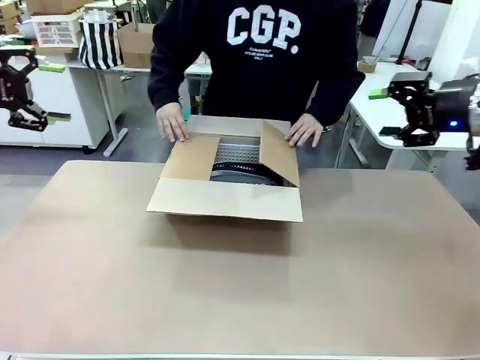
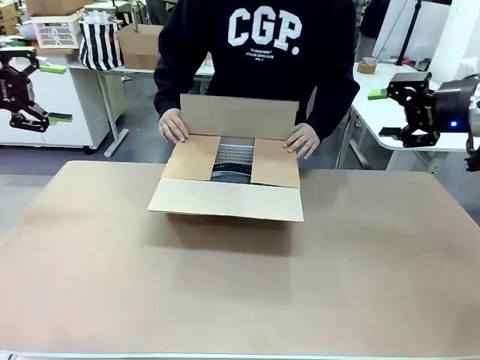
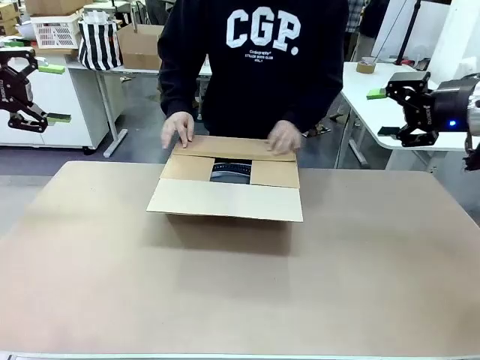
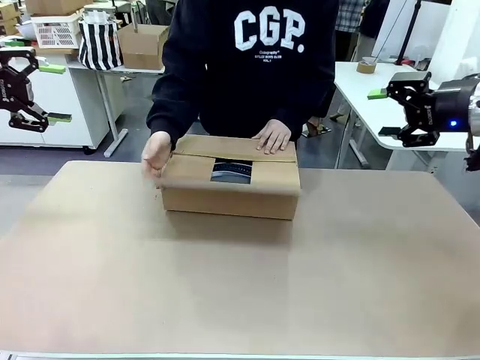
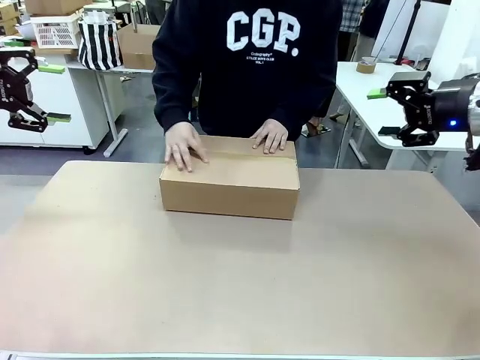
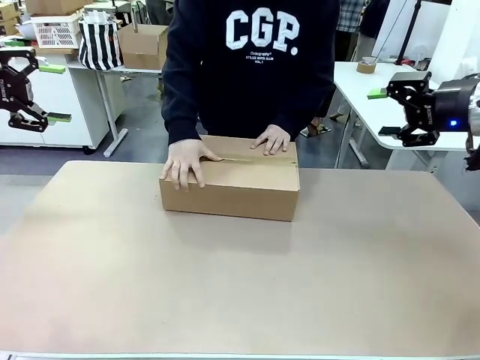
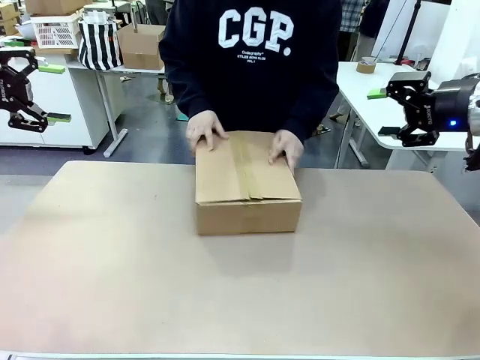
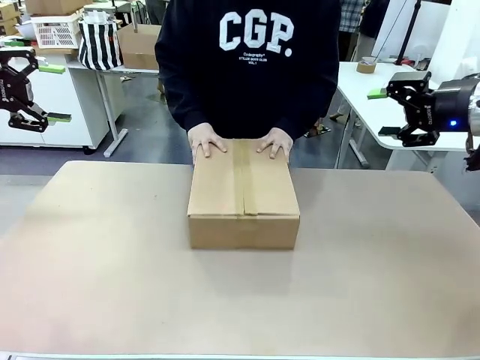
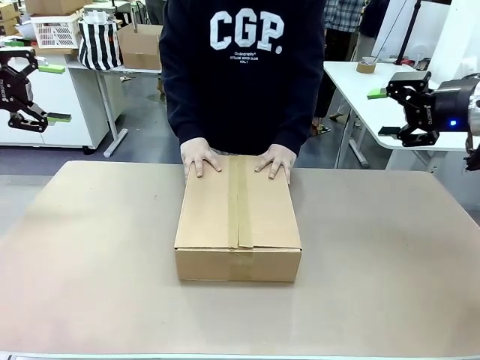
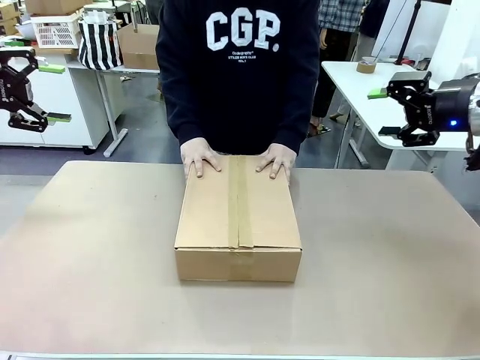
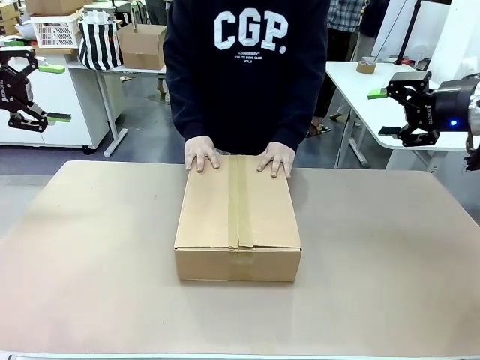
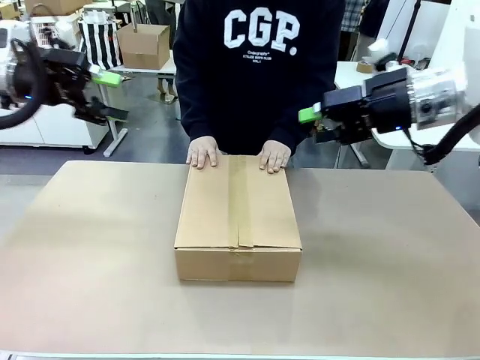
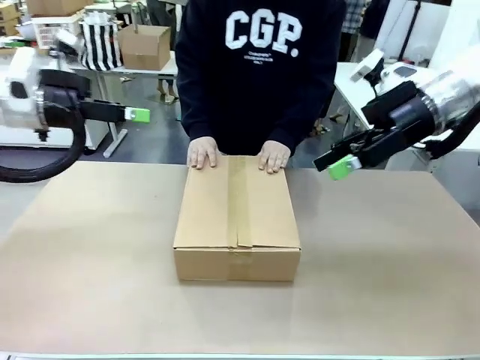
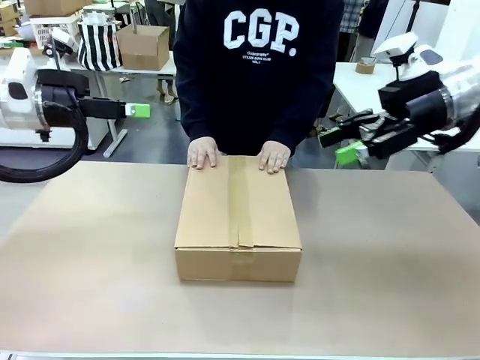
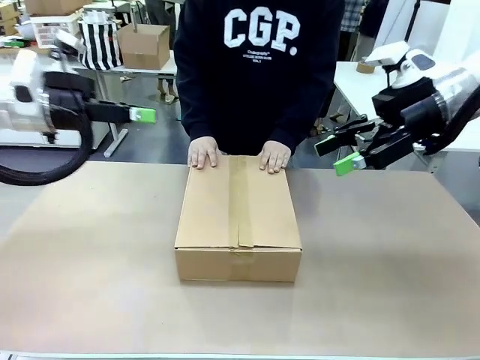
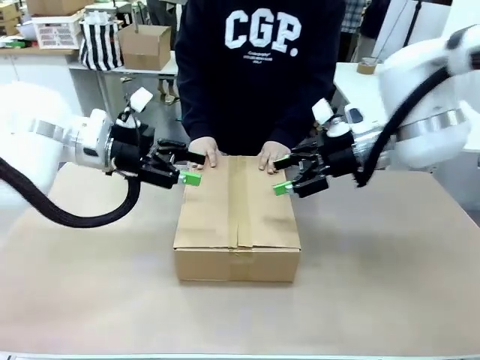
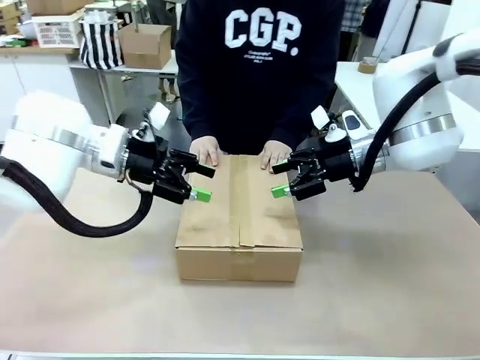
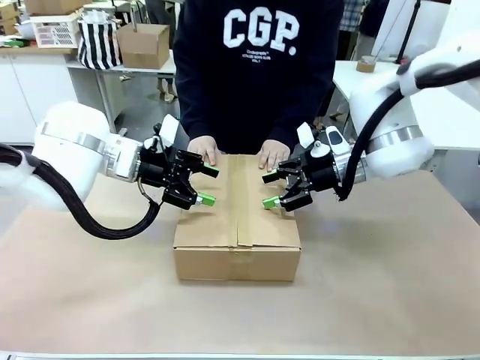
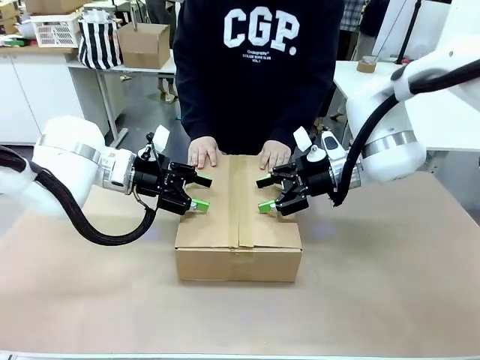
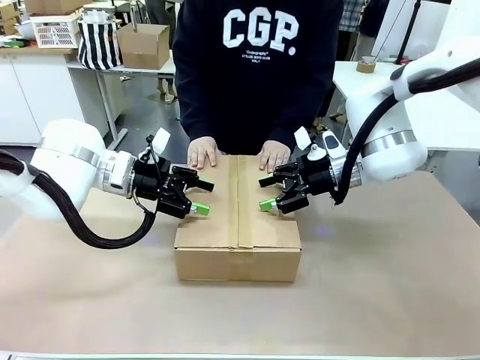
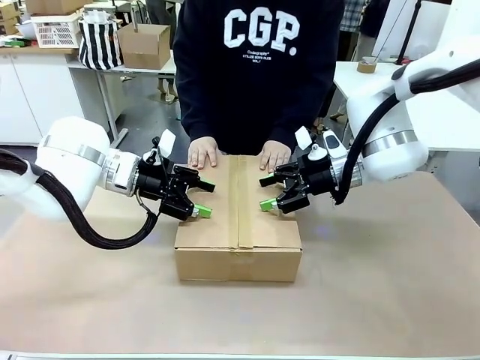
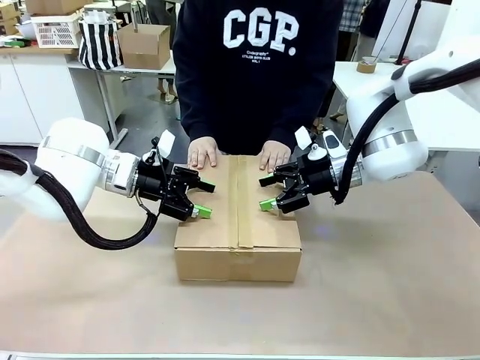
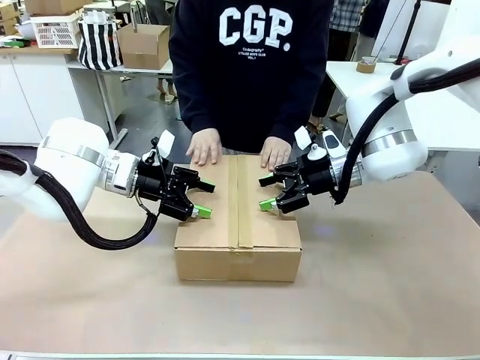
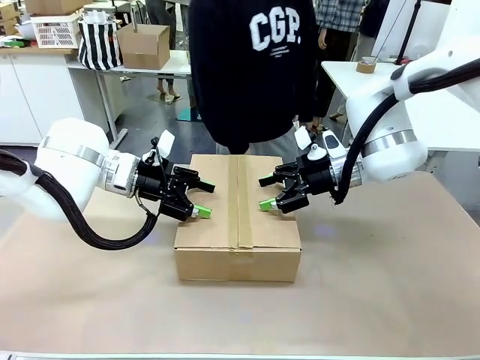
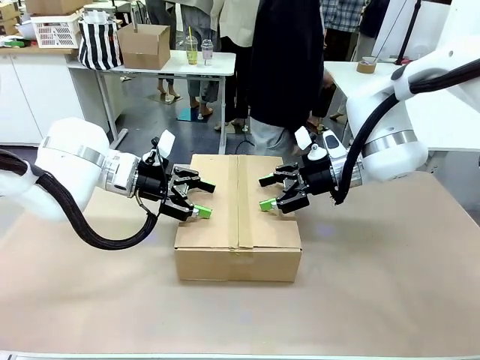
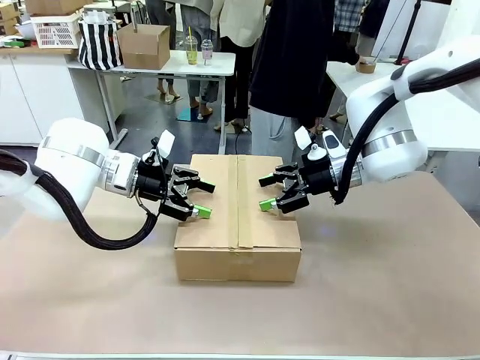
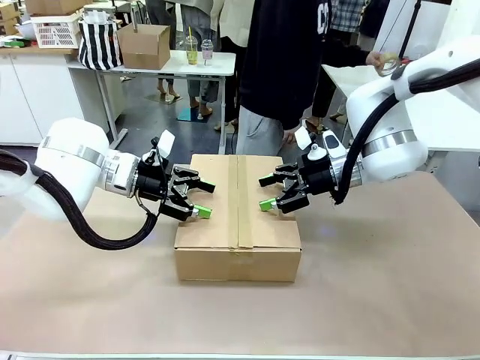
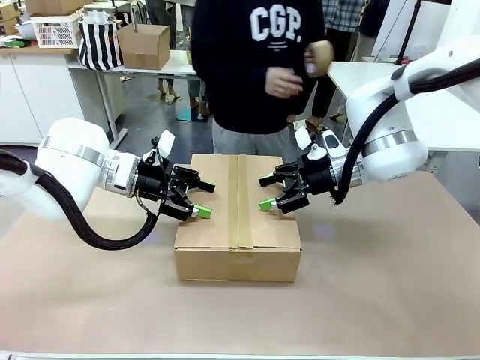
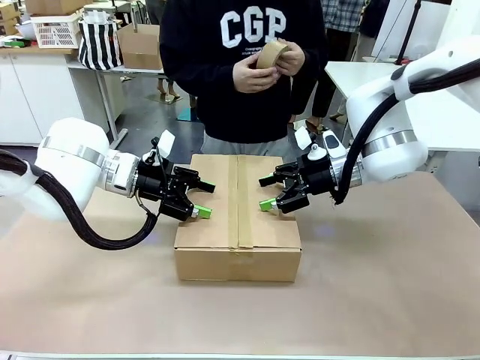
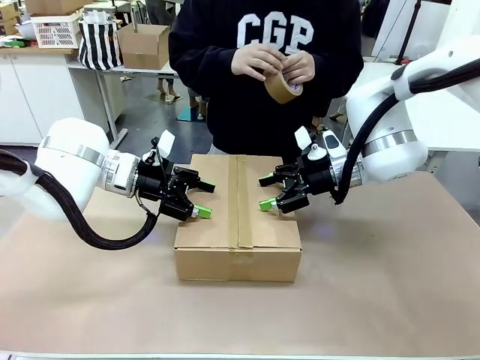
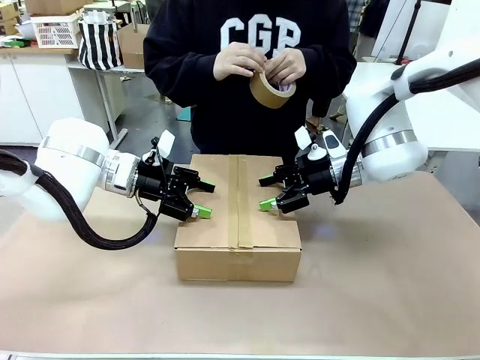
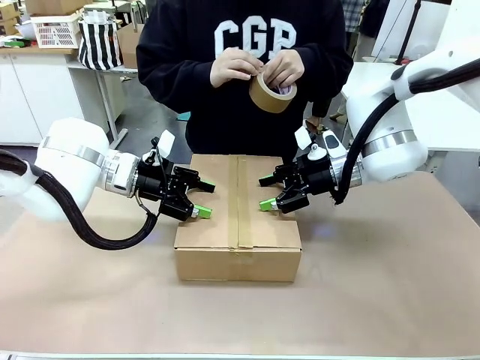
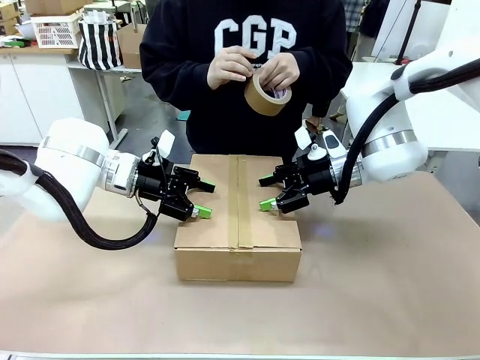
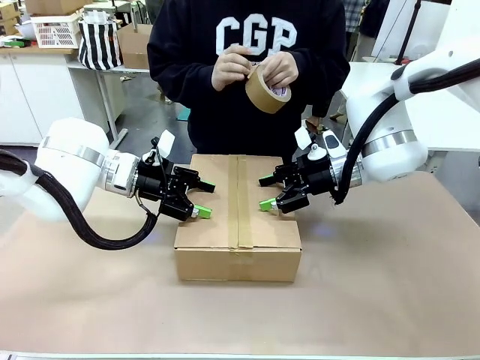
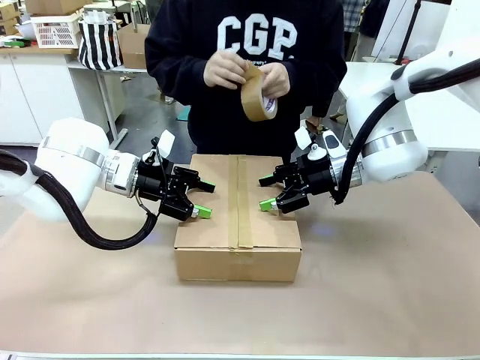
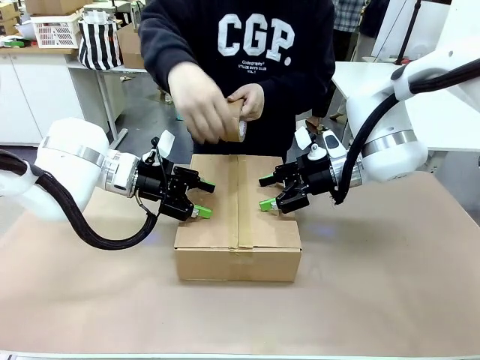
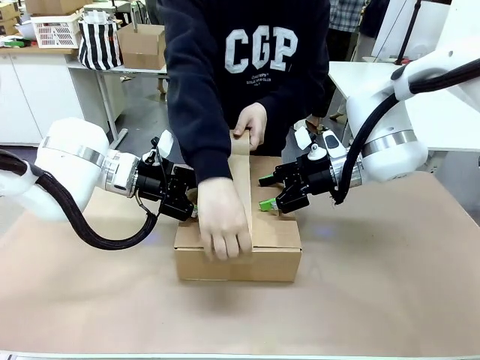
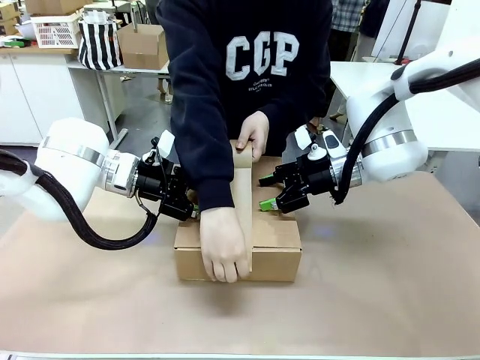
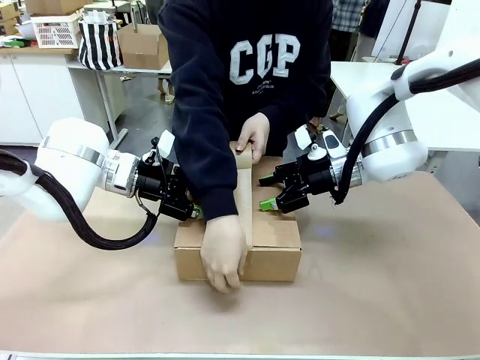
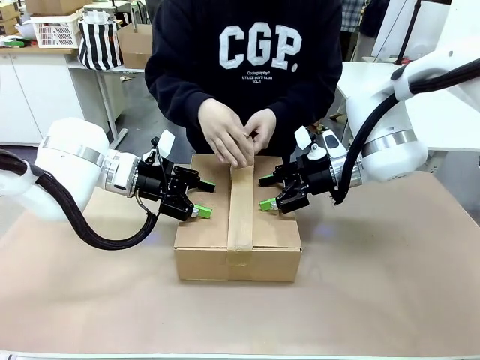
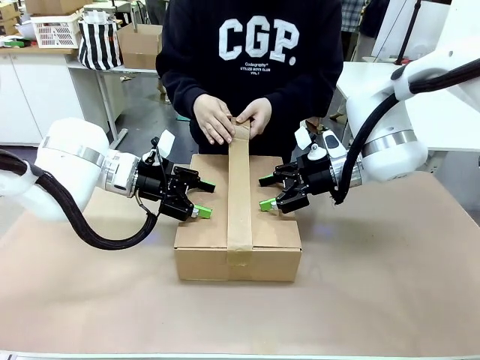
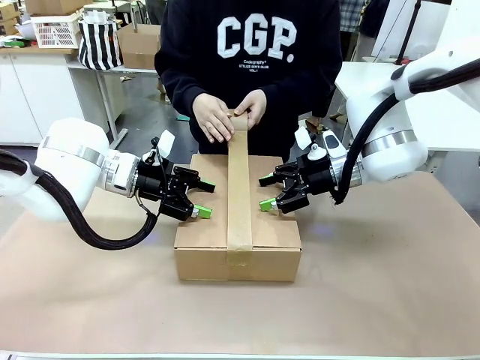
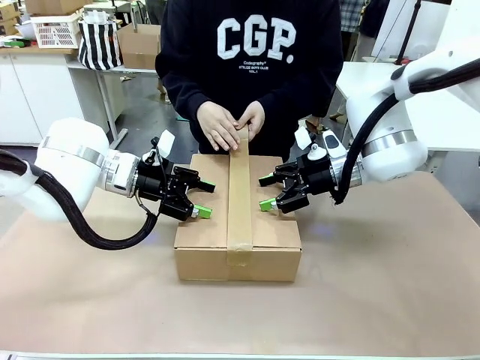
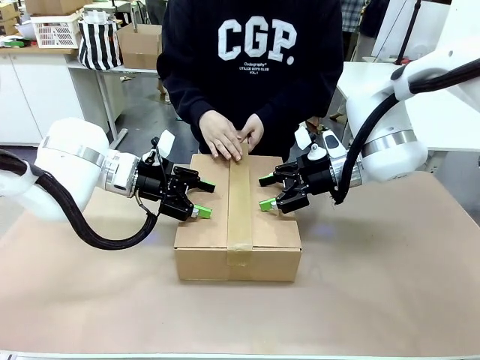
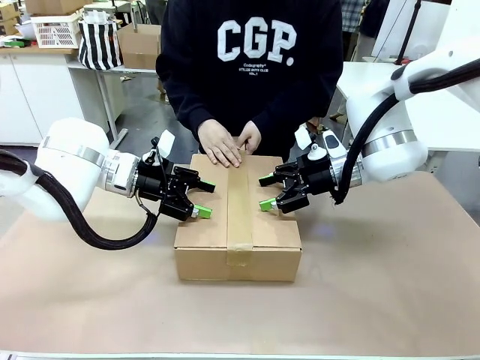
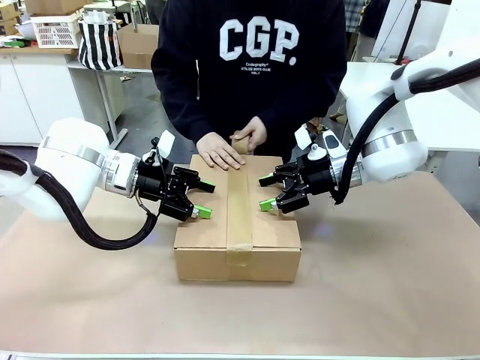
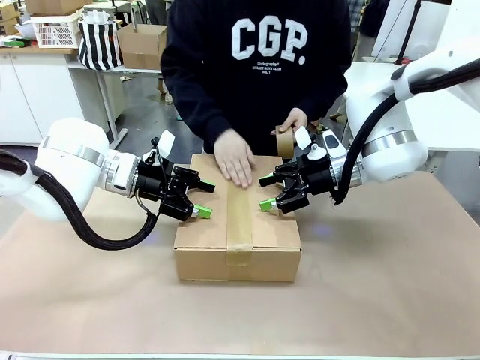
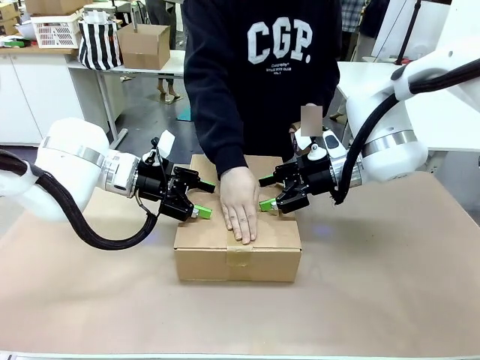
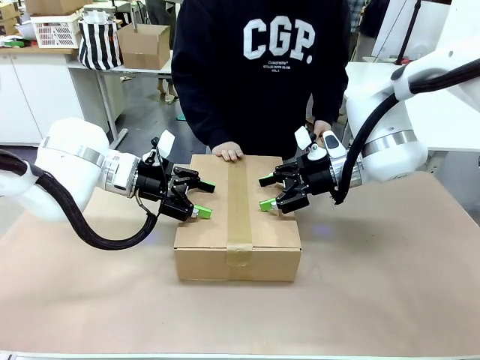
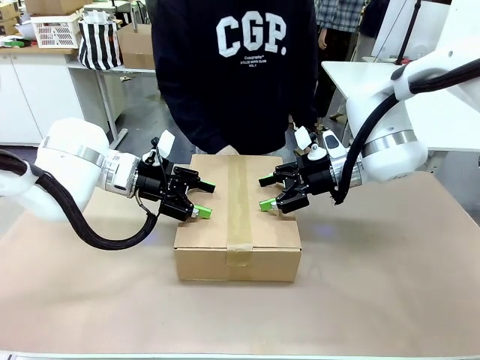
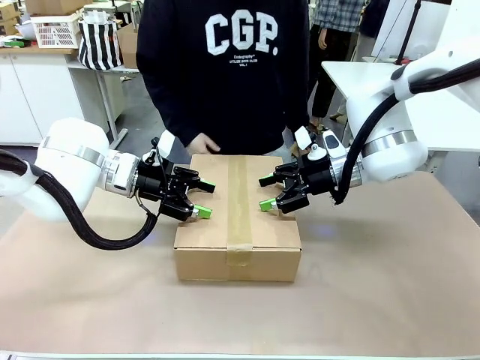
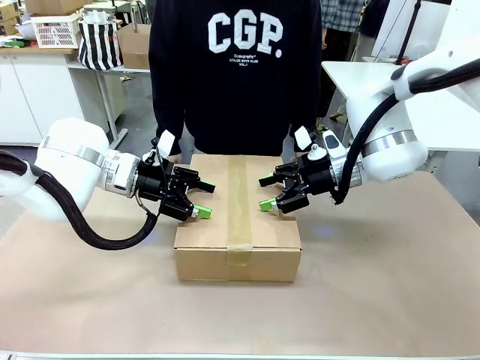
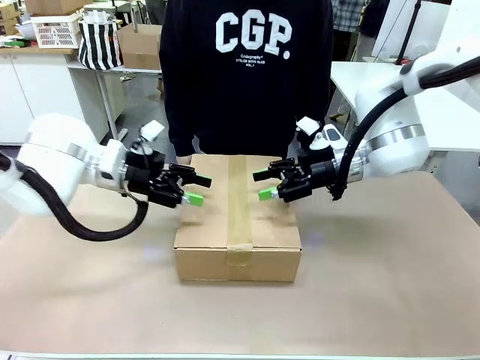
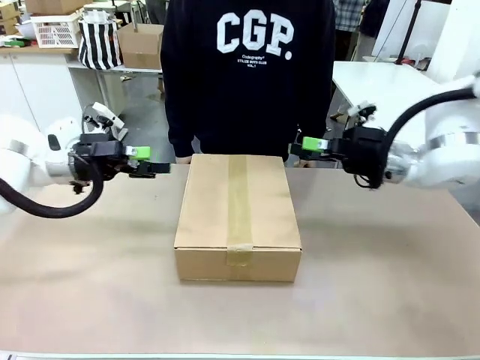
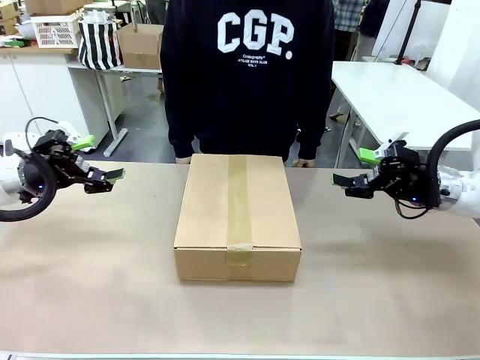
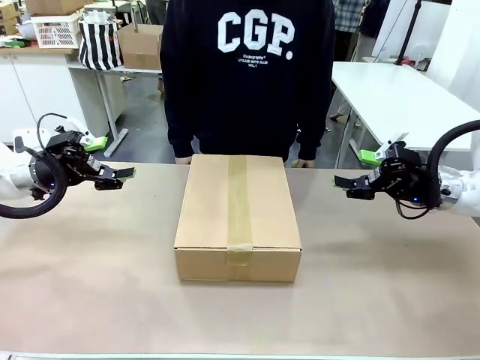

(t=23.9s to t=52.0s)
Task: Pack the gift set into the box.
Robot: Press and hold the closed box until the human finishes sealing it.
Person: The human closes the box and rotates the box by 90 degrees. The human picks up the paper tape from the human table and packs the box.
